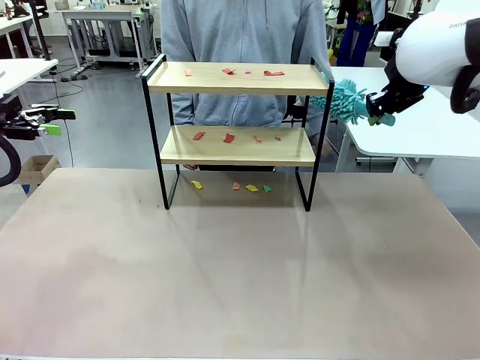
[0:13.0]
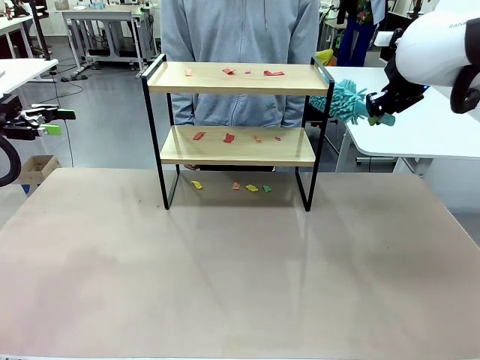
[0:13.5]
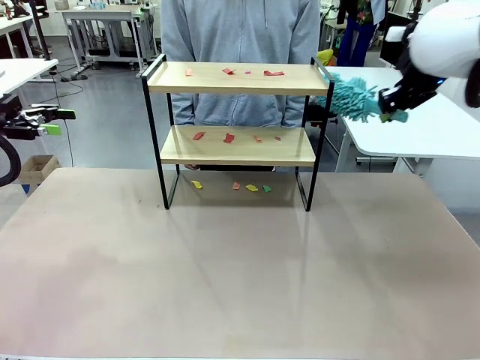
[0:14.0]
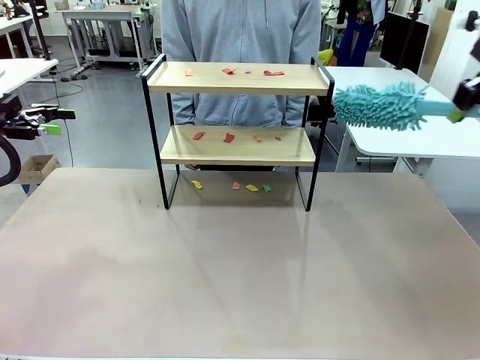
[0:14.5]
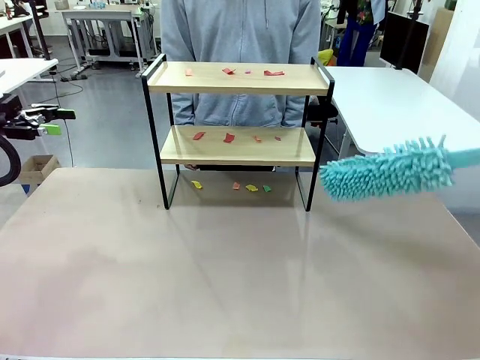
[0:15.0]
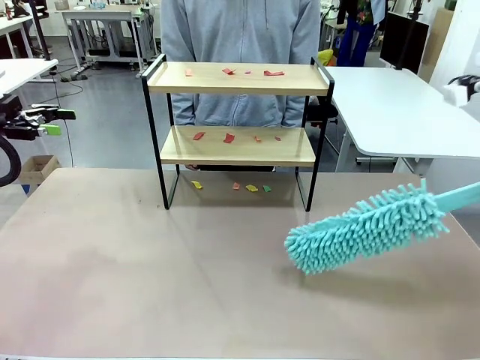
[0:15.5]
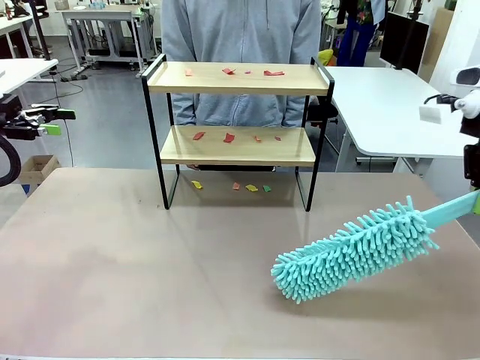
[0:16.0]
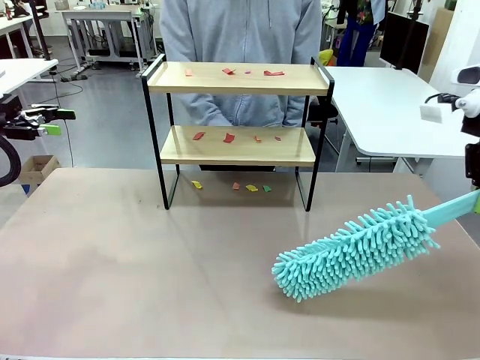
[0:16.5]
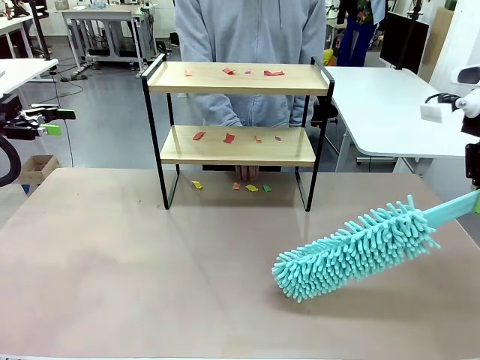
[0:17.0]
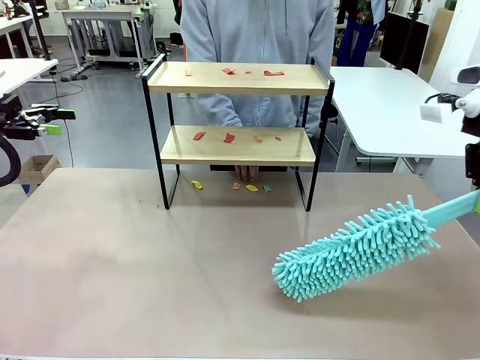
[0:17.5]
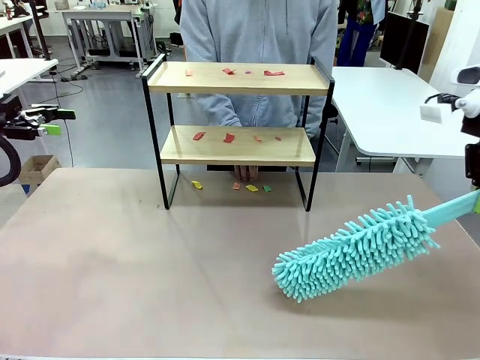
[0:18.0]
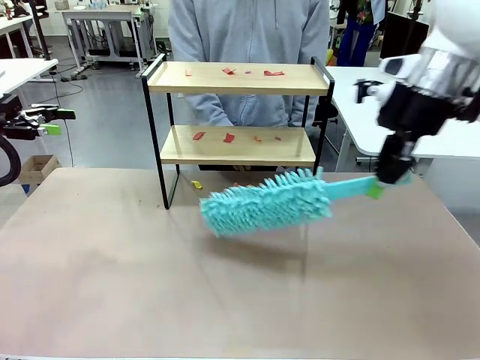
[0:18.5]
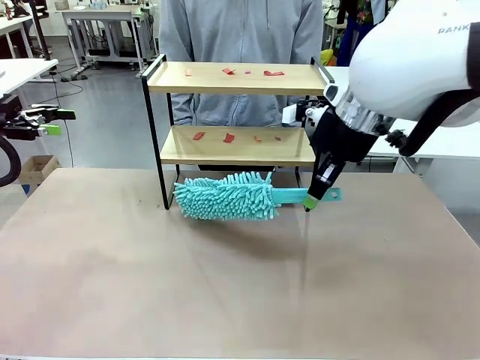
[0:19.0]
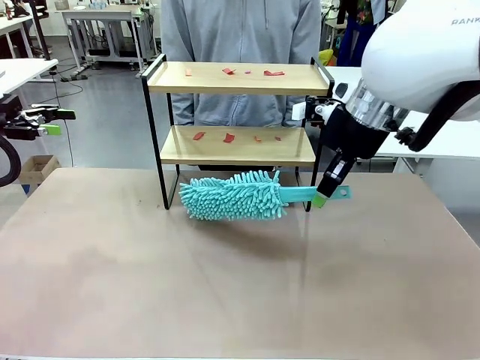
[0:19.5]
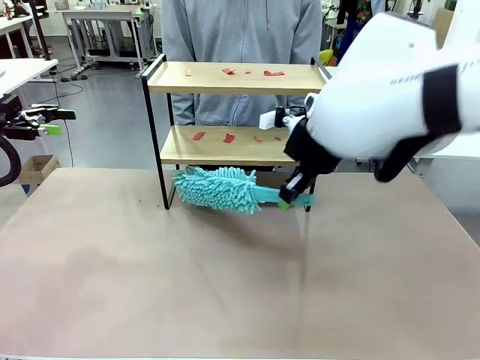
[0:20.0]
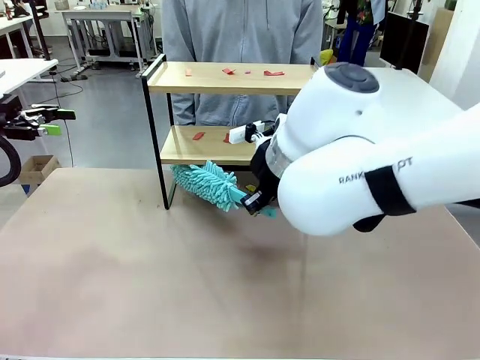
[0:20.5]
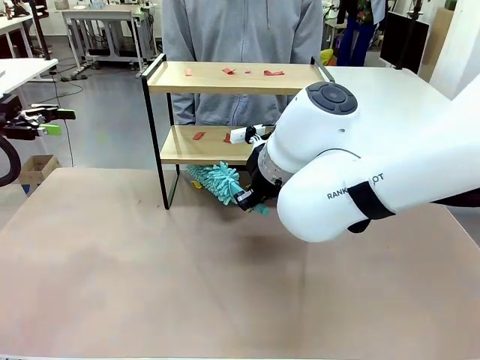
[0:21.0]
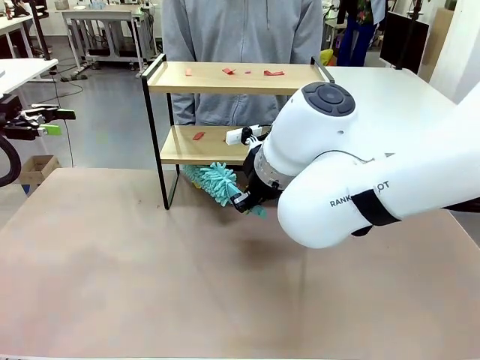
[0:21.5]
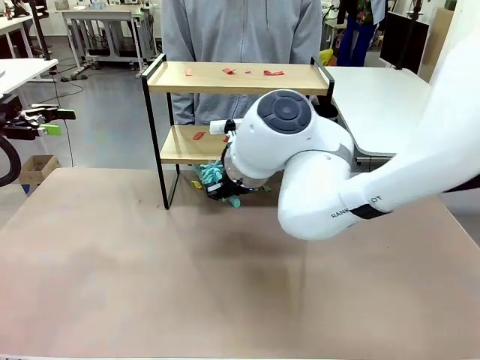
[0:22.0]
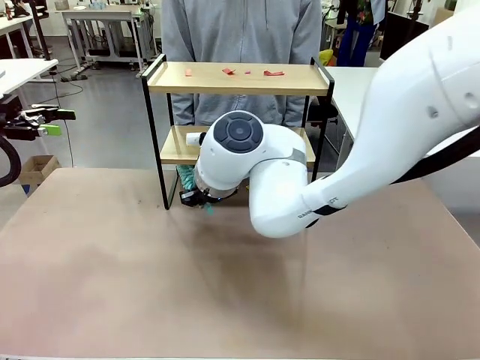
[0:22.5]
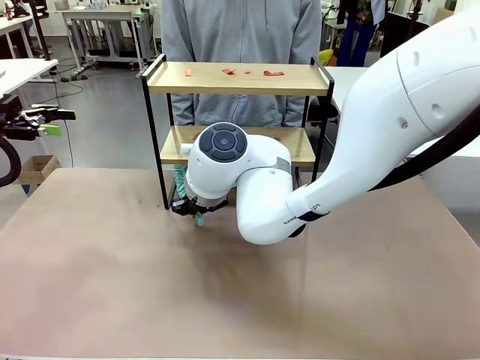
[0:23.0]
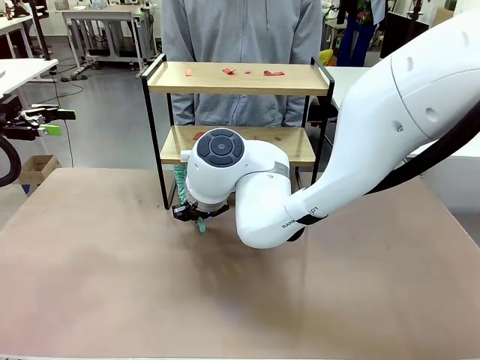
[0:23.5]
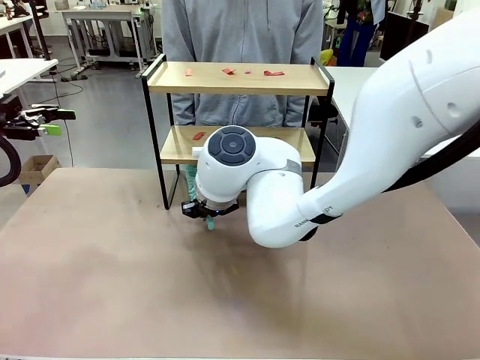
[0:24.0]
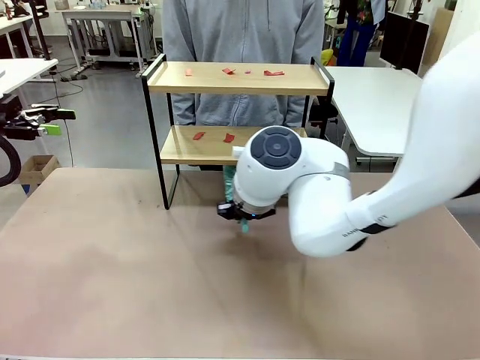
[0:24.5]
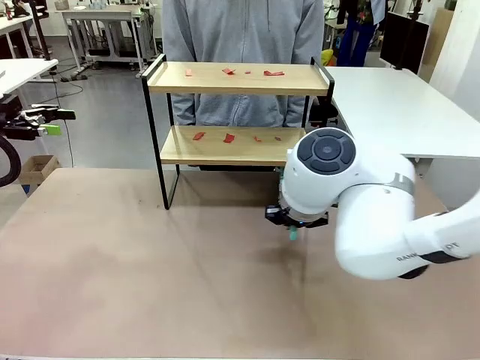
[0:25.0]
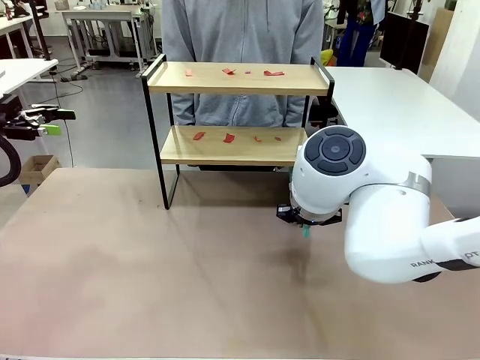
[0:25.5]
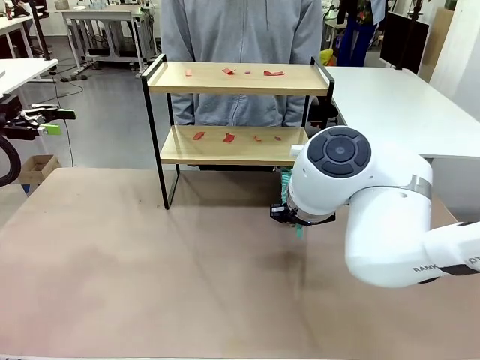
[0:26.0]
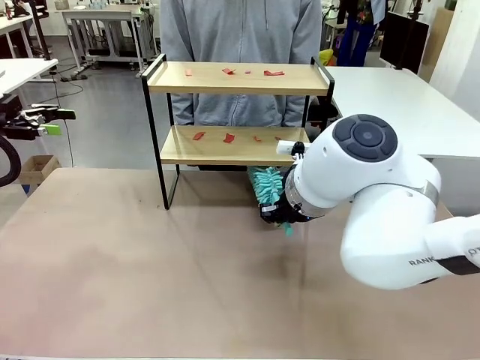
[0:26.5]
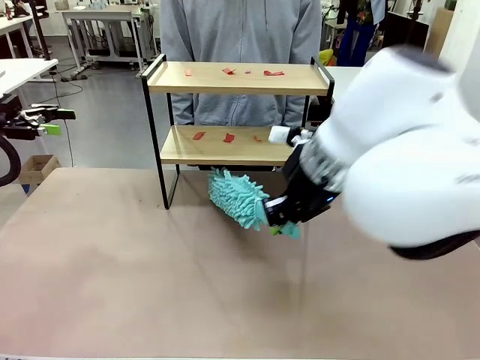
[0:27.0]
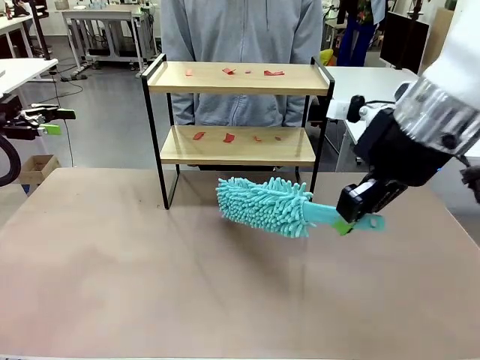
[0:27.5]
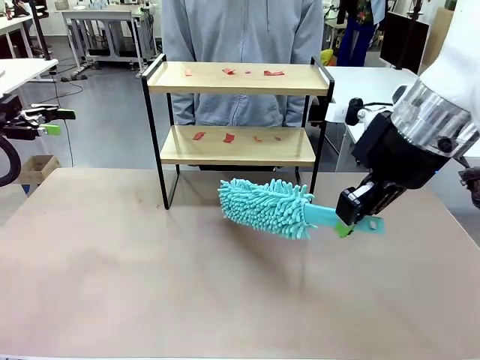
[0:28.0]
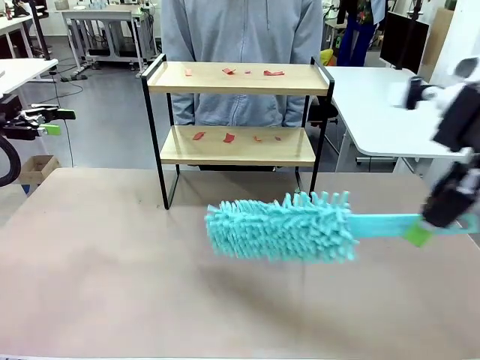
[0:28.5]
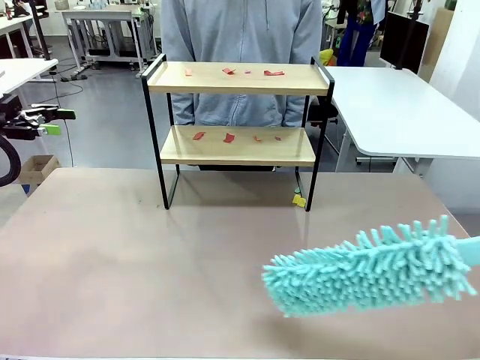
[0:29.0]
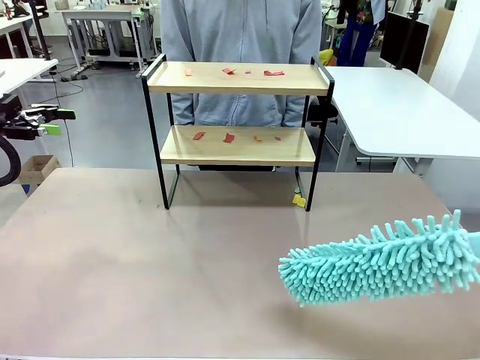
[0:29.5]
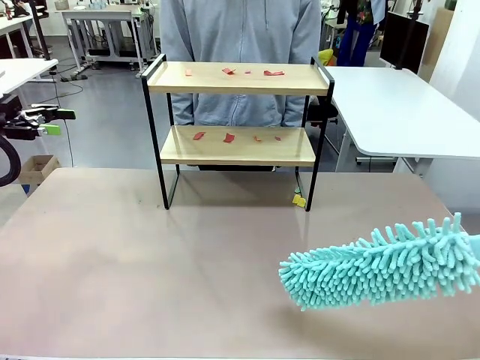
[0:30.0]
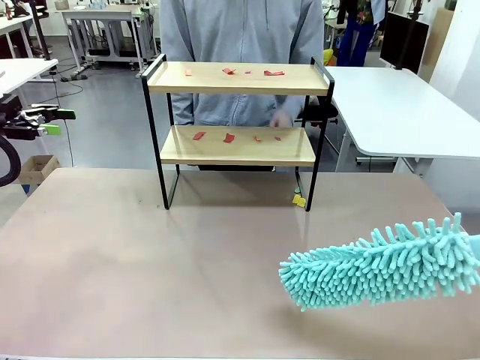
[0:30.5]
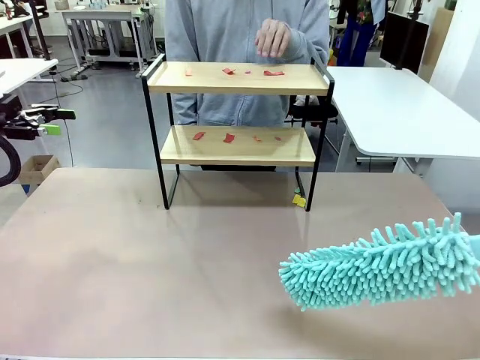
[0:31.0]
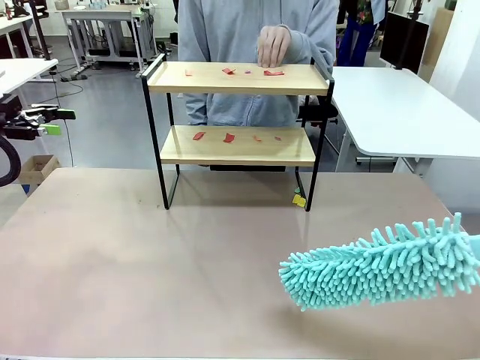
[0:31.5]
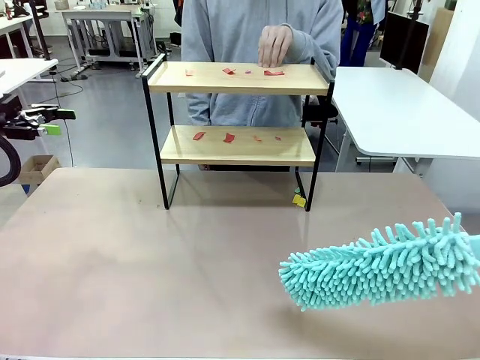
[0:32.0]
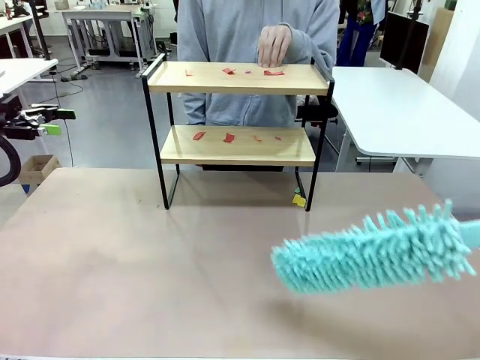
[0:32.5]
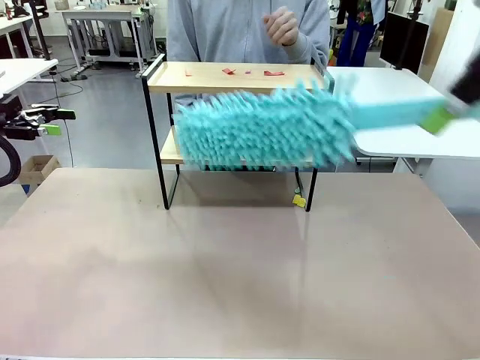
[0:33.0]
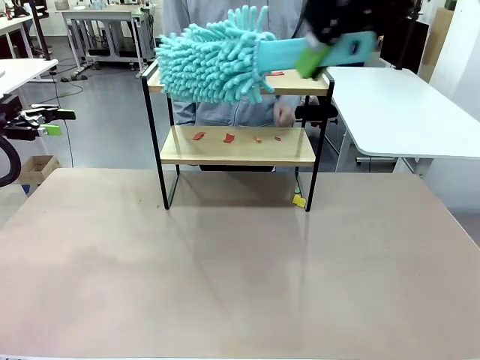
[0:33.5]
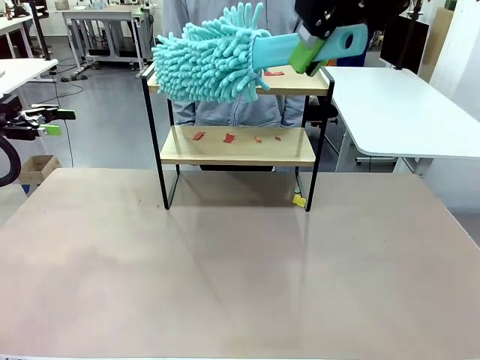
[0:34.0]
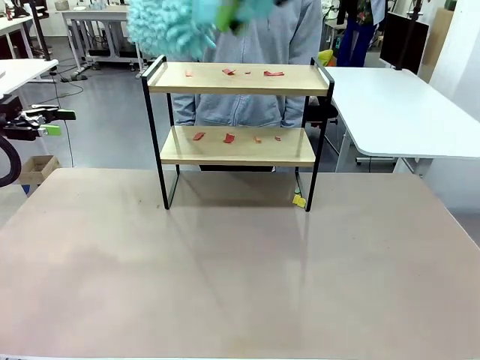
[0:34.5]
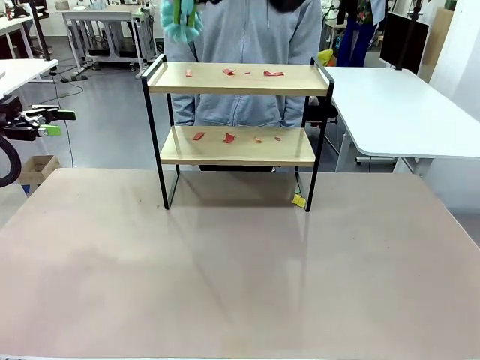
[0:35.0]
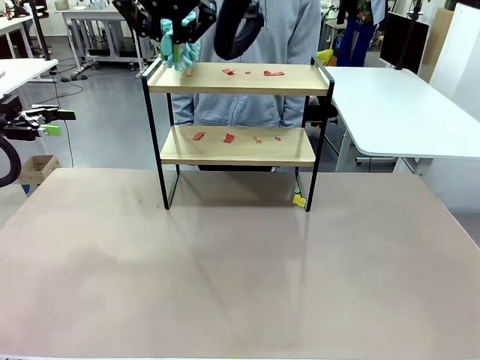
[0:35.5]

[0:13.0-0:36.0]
Task: Clean the shelf.
Robot: Clean the specific section of the Shelf indicated by the human with the Duster.
Person: Point a random section of the Shelf.
